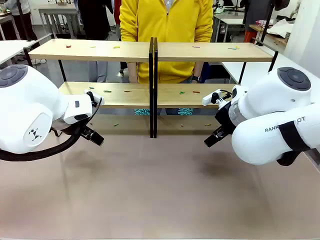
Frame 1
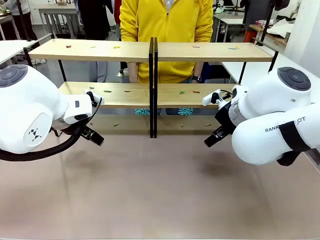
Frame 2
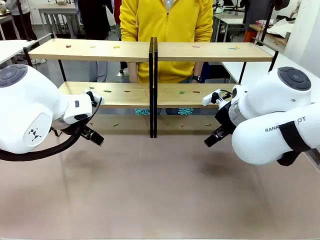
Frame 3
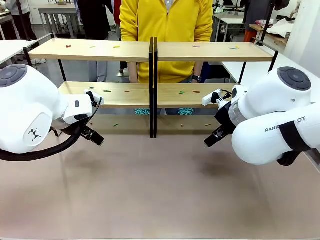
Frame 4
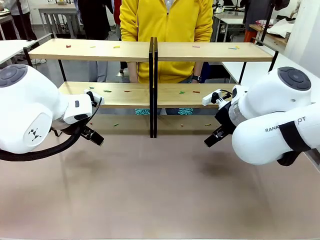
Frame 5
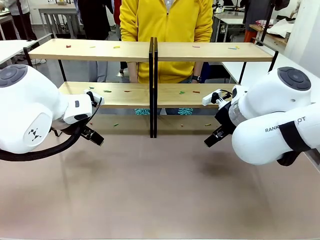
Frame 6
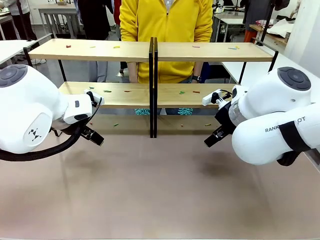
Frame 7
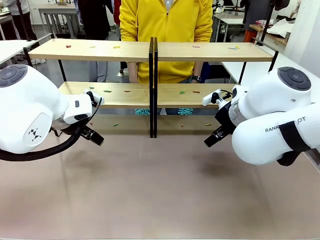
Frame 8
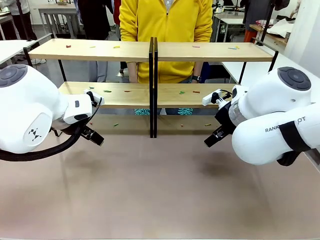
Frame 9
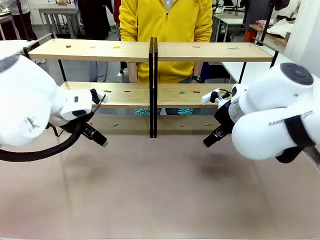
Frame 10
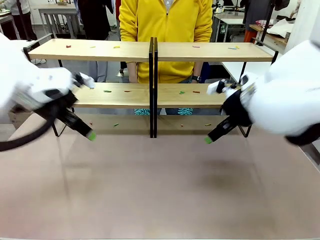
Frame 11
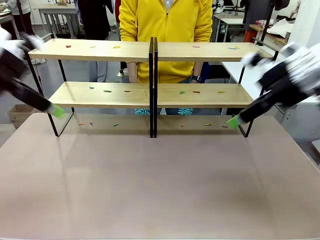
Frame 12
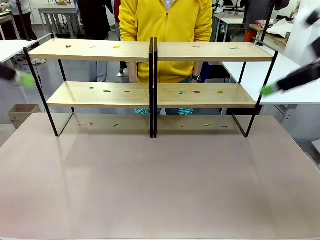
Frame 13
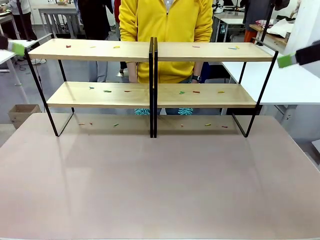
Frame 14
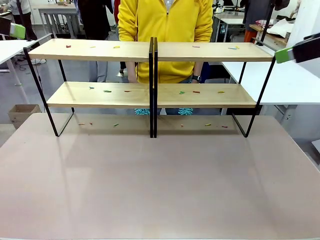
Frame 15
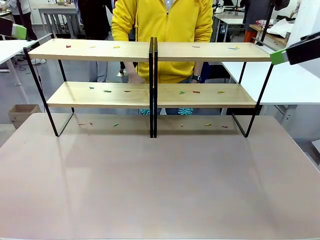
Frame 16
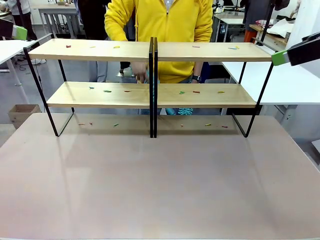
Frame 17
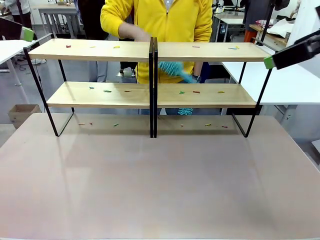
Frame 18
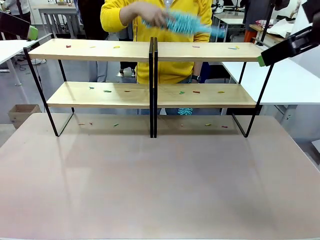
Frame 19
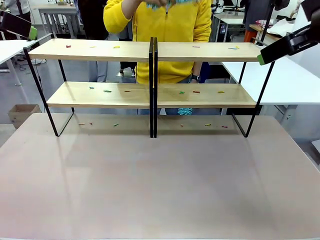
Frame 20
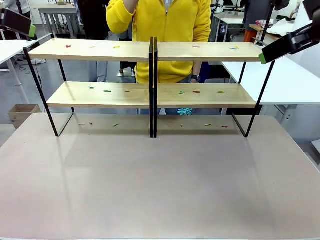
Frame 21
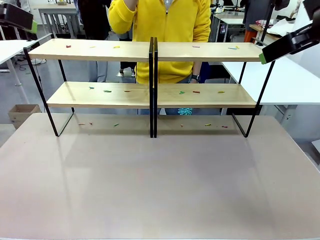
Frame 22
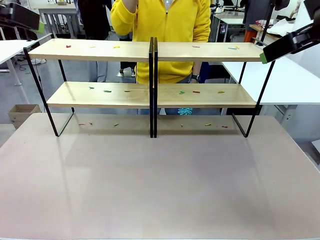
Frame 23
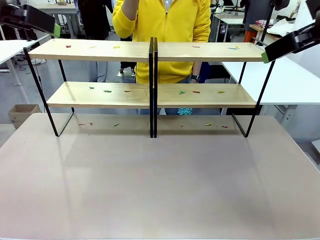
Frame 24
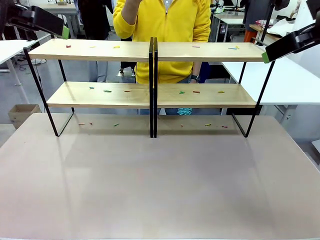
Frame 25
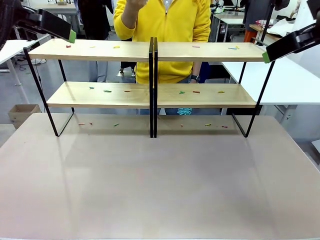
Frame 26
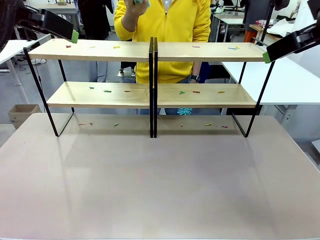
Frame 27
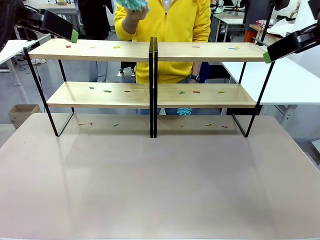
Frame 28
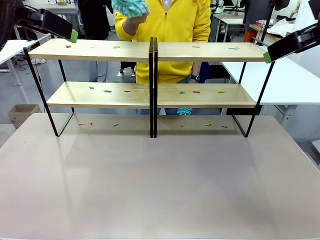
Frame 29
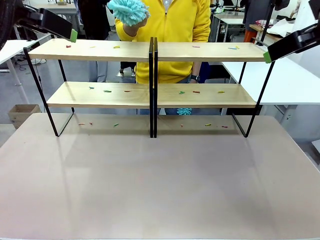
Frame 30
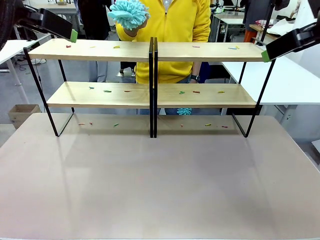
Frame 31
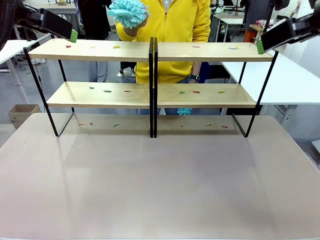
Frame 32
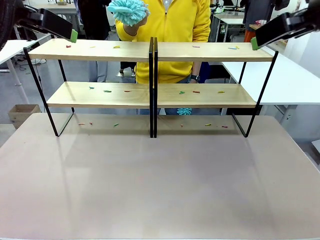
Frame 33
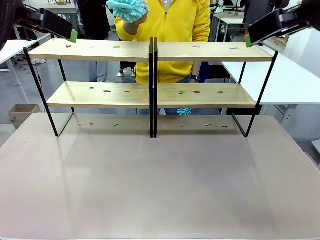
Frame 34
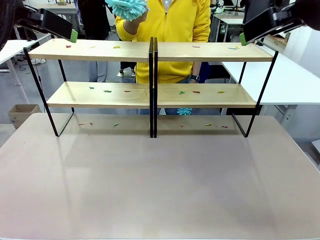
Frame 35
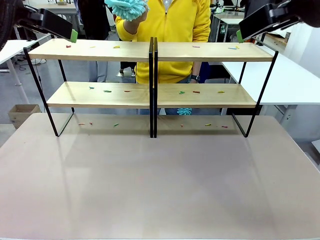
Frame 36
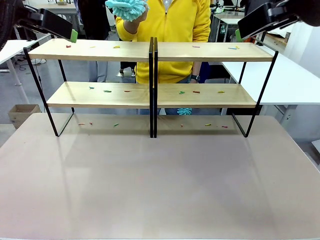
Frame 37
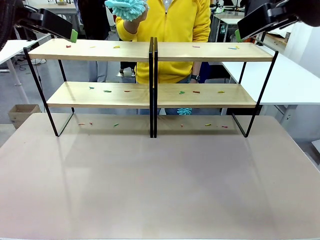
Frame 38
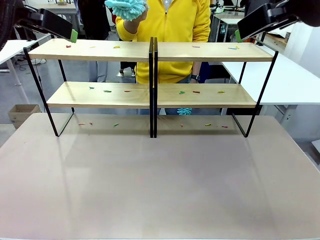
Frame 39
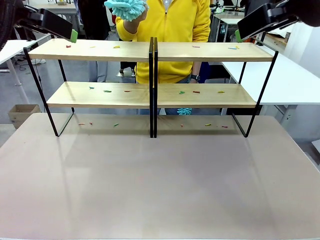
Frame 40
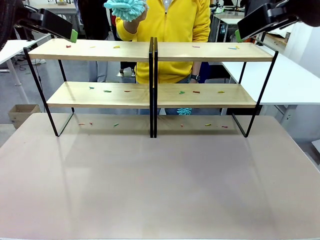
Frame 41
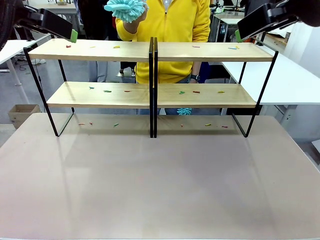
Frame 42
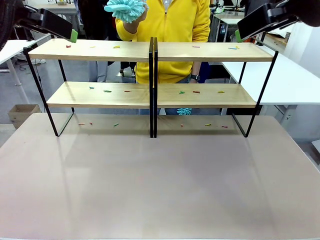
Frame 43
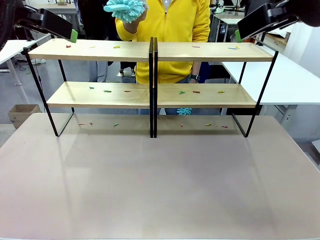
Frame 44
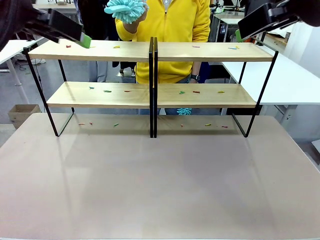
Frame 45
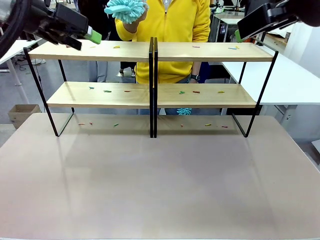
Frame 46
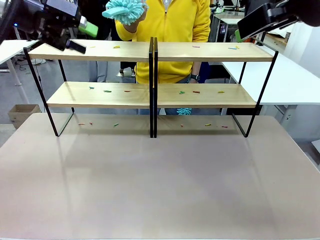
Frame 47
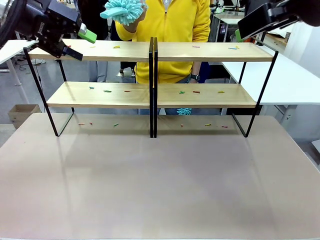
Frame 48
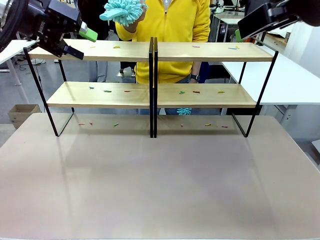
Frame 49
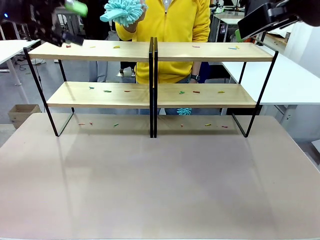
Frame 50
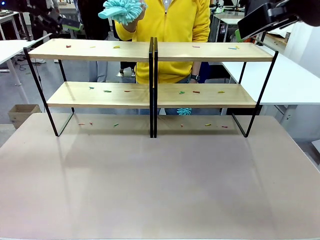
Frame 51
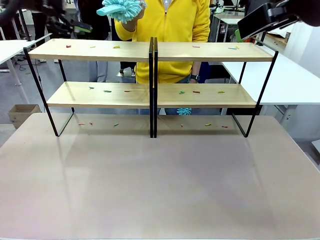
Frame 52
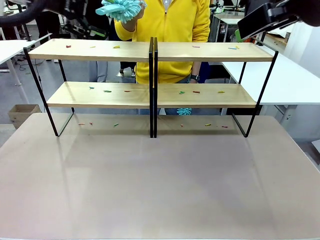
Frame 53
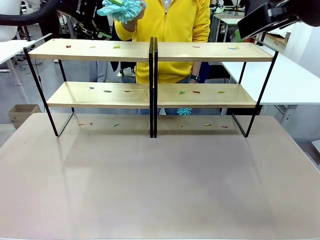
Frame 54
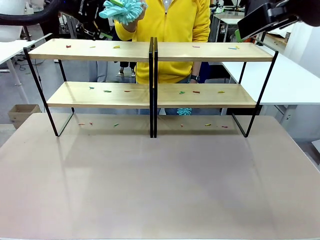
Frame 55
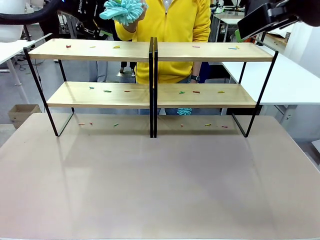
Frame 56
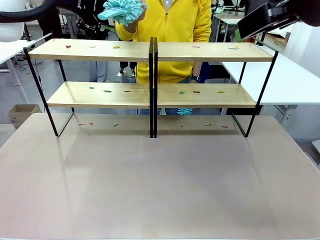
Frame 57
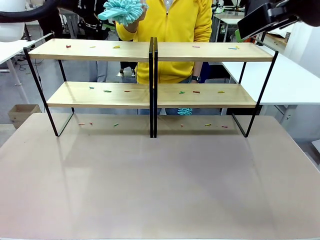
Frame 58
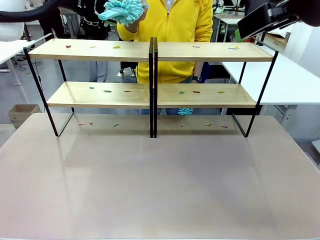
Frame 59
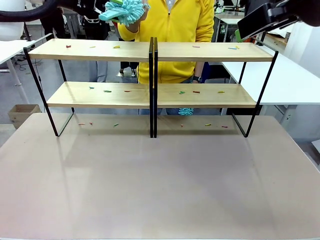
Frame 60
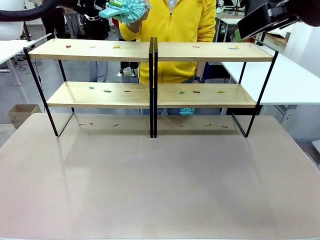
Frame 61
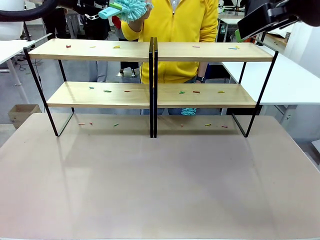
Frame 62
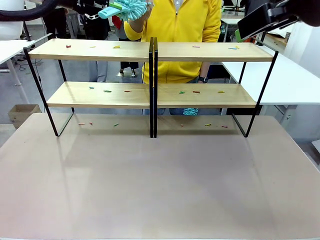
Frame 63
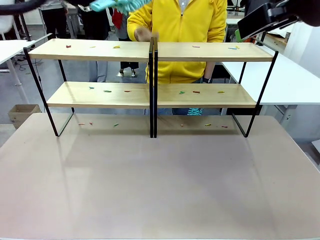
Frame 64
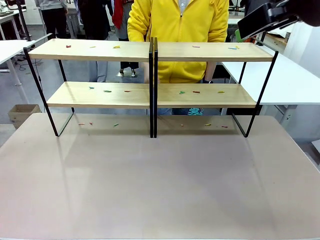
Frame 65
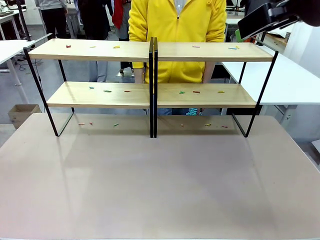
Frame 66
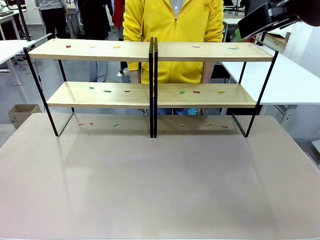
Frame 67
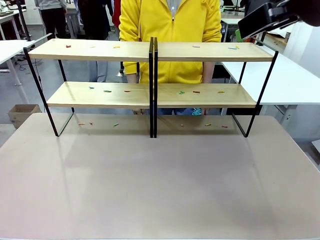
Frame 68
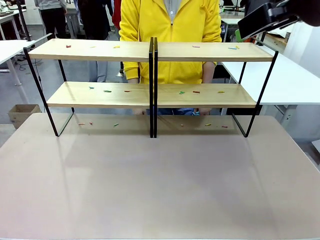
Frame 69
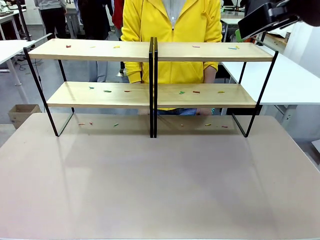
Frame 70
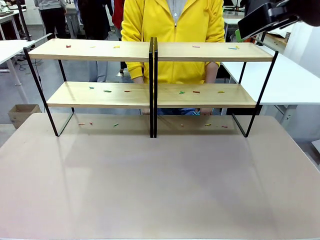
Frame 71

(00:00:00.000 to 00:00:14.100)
Task: Clean the shelves.
Robot: Pick up the Duster when the human hands it over.
Person: Hand the Duster to the robot with your right (or left) hand.

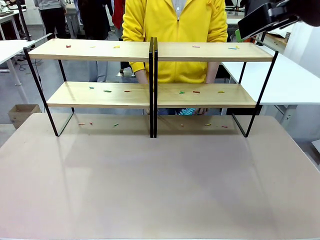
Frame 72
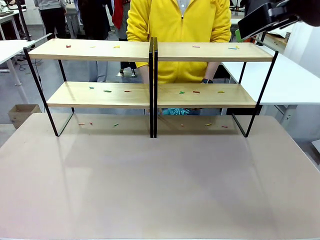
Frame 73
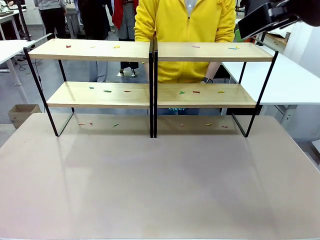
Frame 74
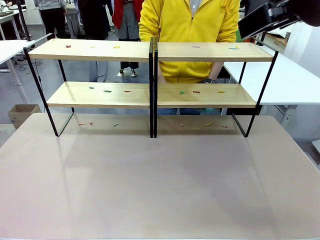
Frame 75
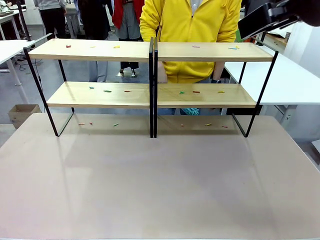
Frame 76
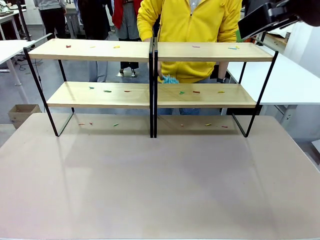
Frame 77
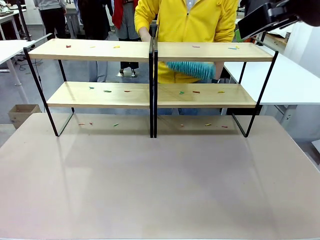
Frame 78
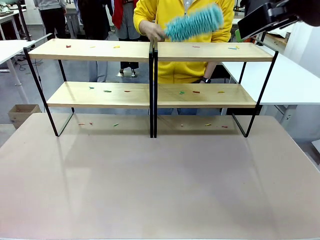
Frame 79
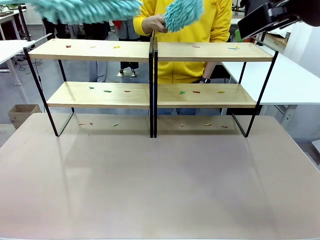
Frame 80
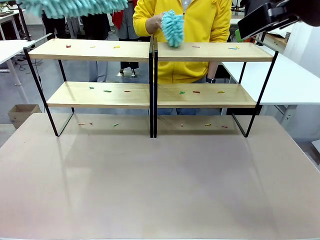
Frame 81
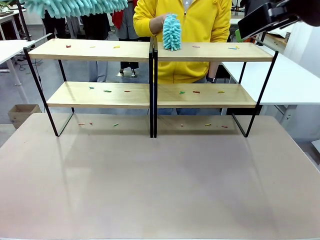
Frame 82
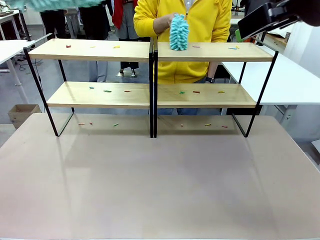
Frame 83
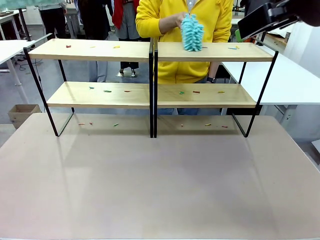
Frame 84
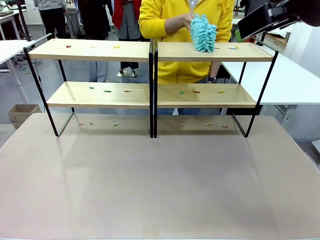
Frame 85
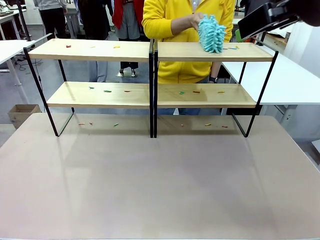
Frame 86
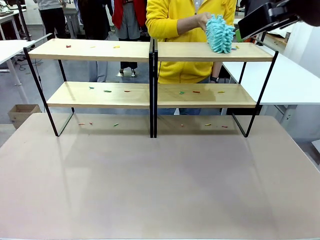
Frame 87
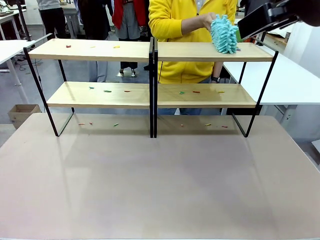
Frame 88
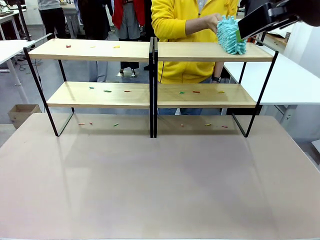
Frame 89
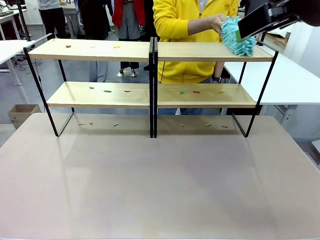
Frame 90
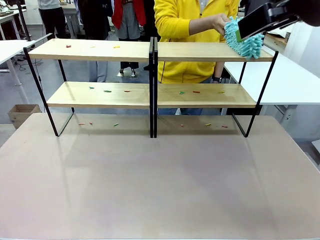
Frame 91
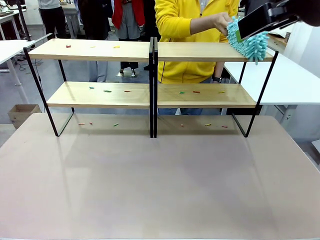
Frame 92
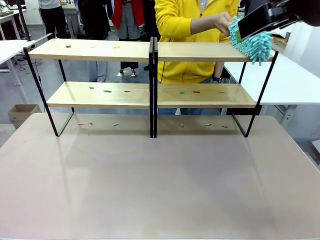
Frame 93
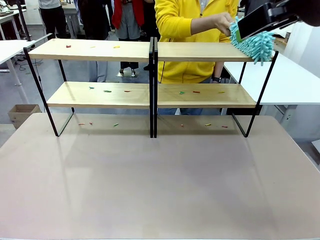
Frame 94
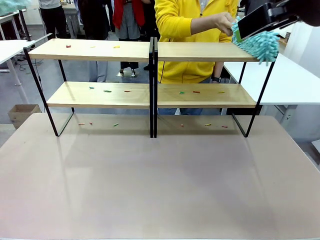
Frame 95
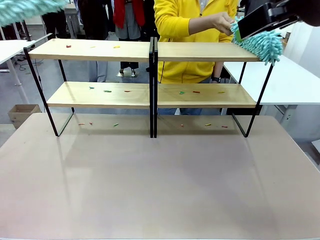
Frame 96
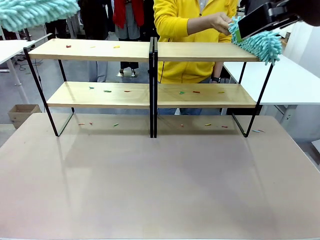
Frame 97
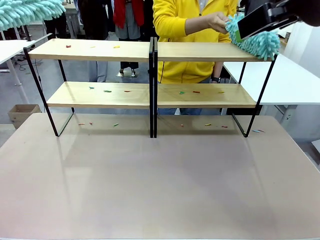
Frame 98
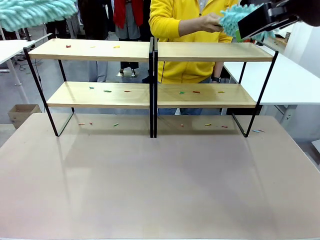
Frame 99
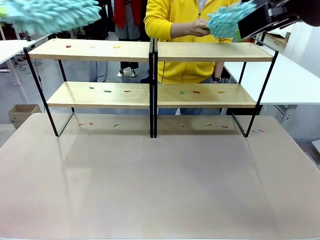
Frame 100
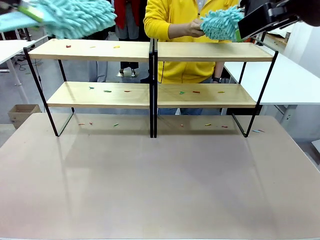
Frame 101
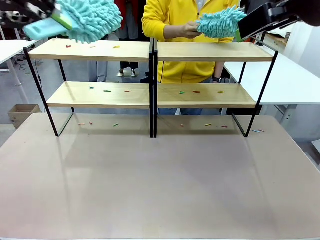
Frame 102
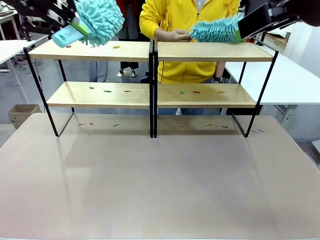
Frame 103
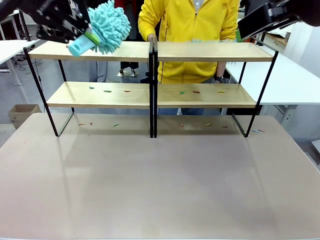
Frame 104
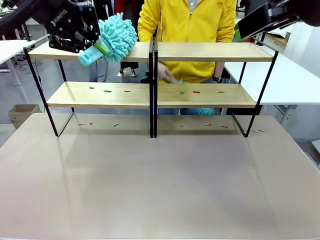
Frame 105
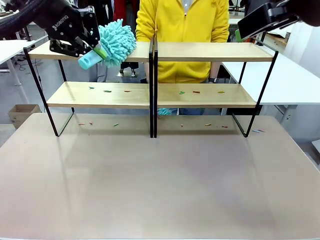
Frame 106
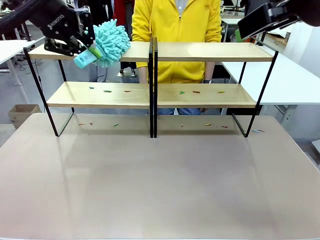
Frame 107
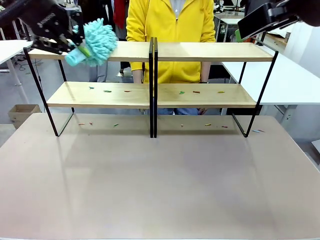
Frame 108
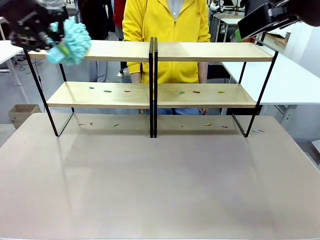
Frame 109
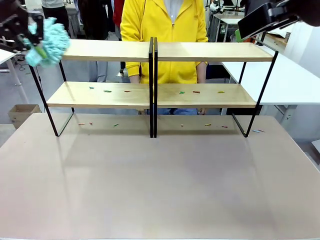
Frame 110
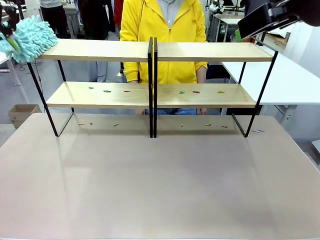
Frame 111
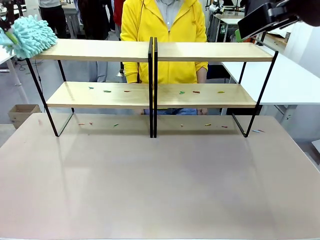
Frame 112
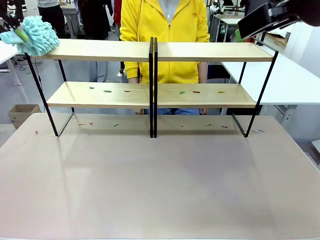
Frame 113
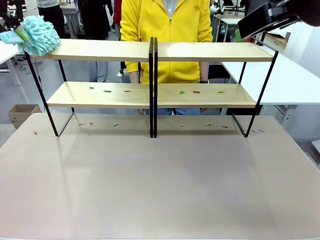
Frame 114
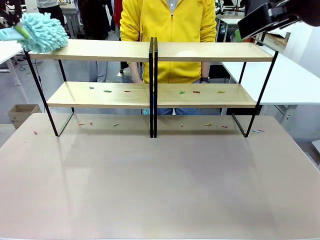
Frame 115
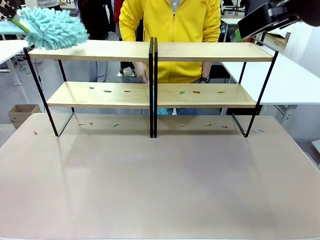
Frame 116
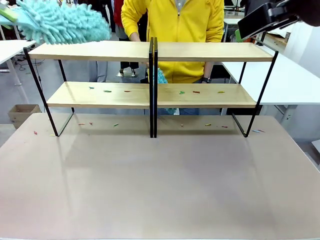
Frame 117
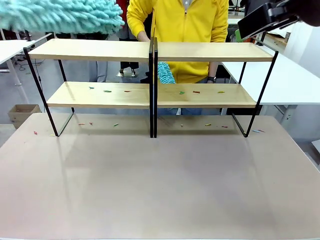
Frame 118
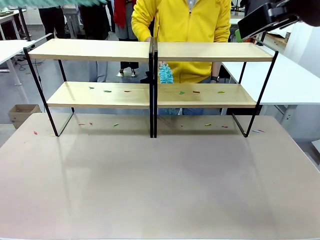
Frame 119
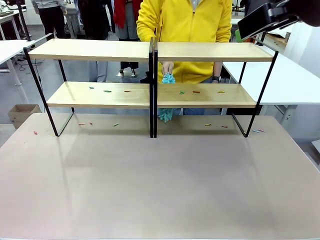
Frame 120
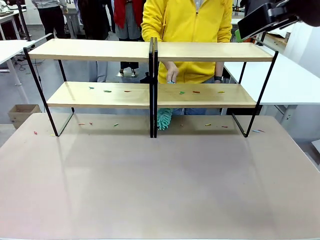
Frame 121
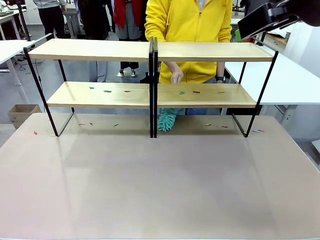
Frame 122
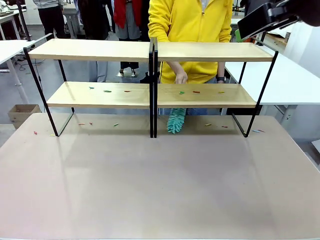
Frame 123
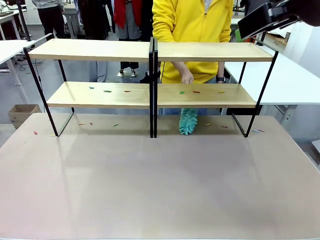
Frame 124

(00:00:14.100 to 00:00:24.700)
Robot: Clean a randomly selected level of the Shelf with the Duster.
